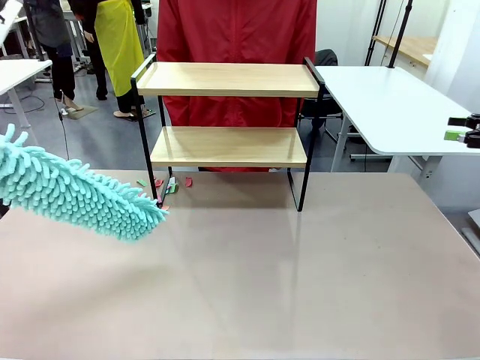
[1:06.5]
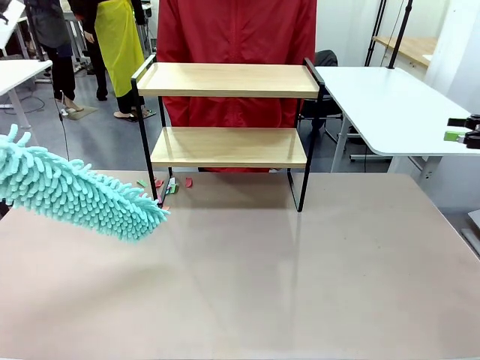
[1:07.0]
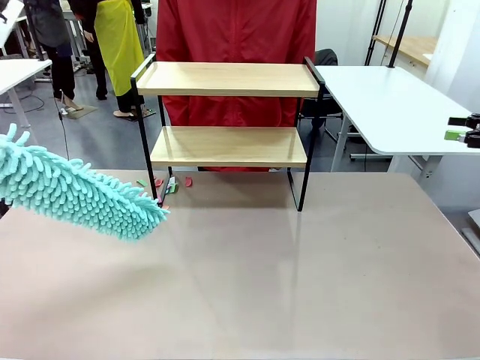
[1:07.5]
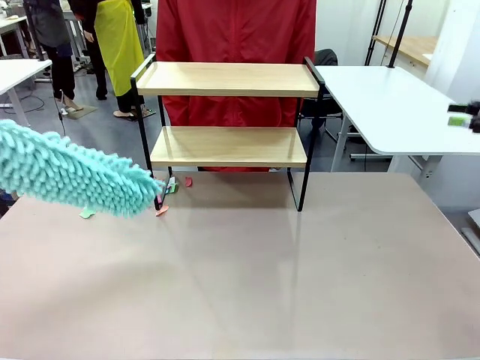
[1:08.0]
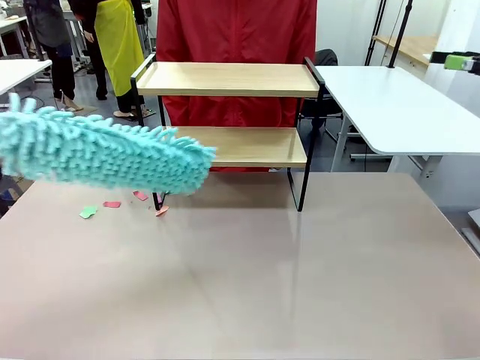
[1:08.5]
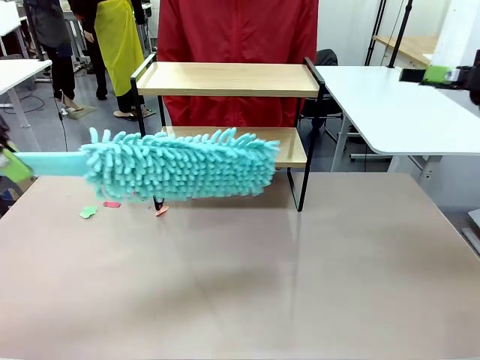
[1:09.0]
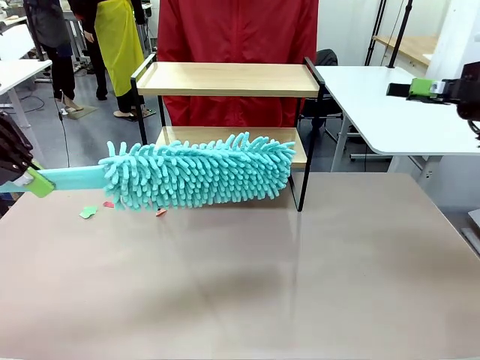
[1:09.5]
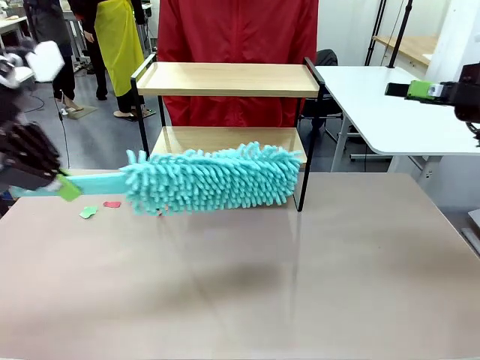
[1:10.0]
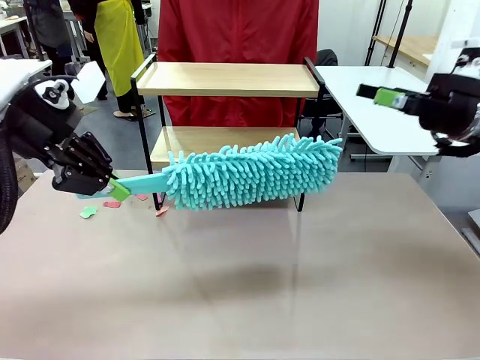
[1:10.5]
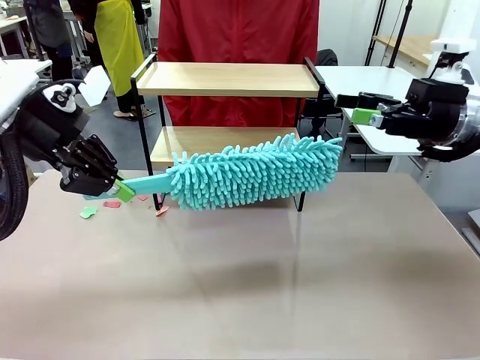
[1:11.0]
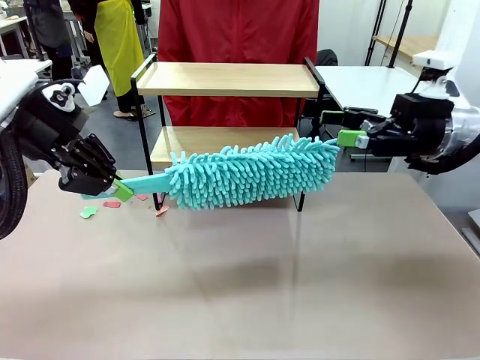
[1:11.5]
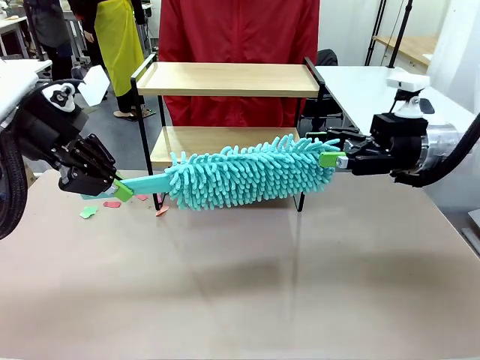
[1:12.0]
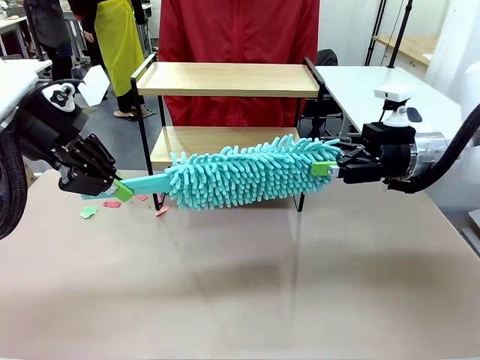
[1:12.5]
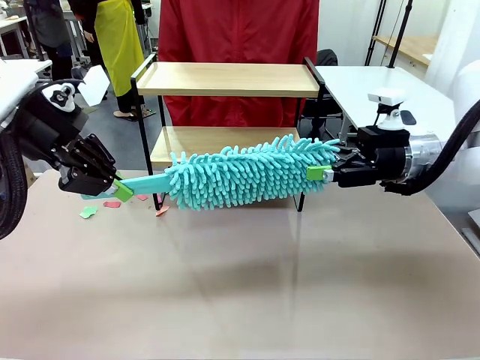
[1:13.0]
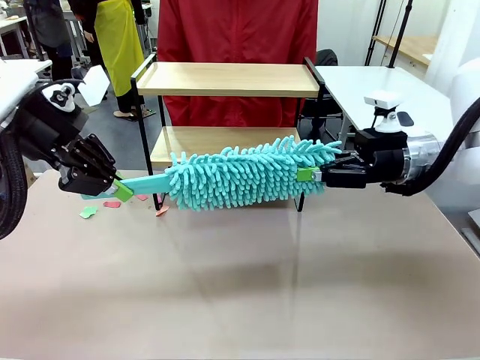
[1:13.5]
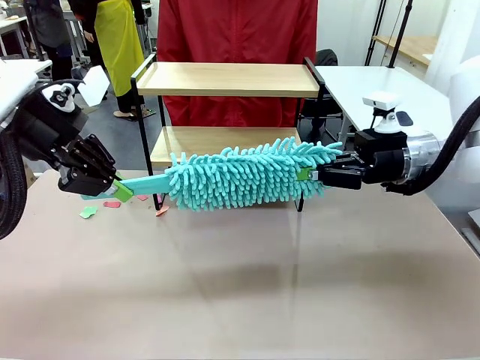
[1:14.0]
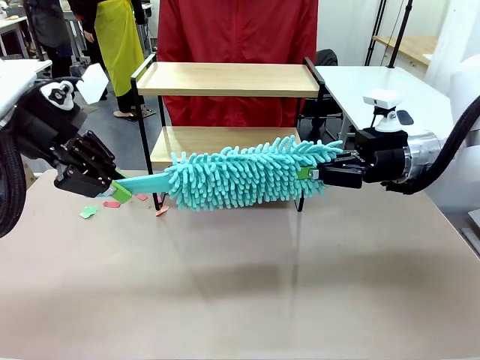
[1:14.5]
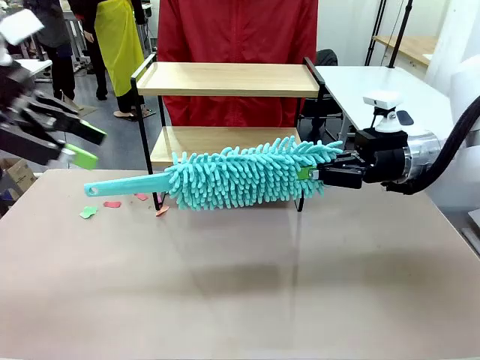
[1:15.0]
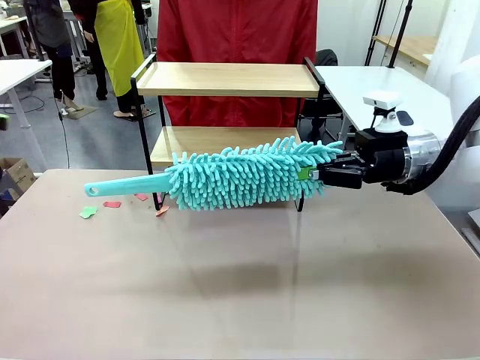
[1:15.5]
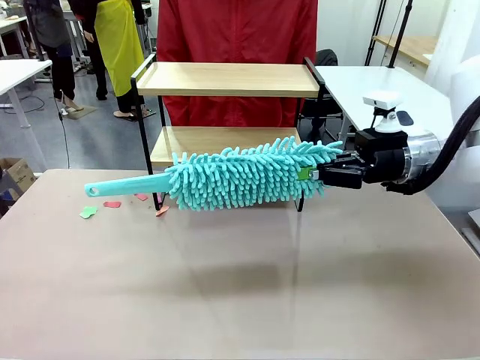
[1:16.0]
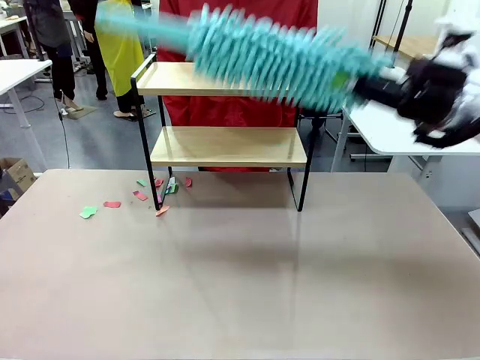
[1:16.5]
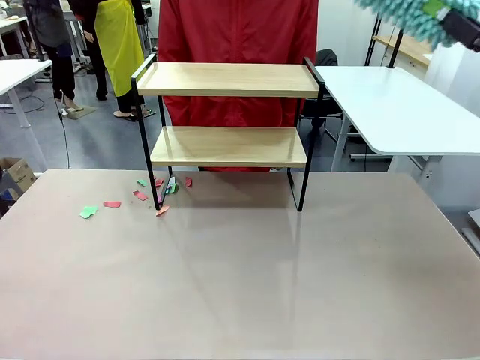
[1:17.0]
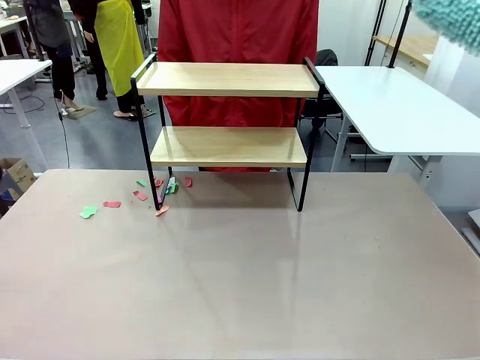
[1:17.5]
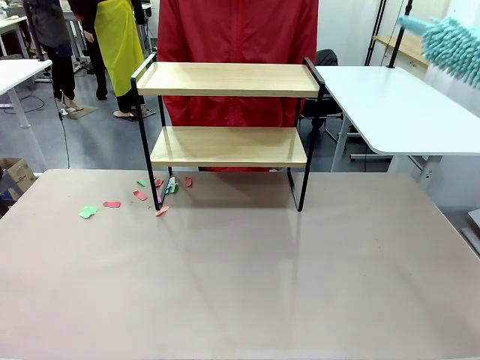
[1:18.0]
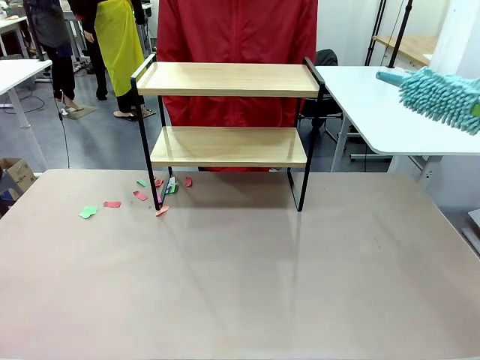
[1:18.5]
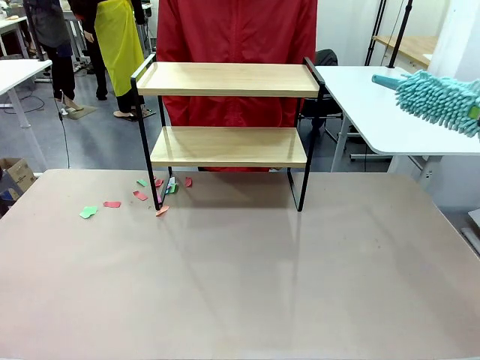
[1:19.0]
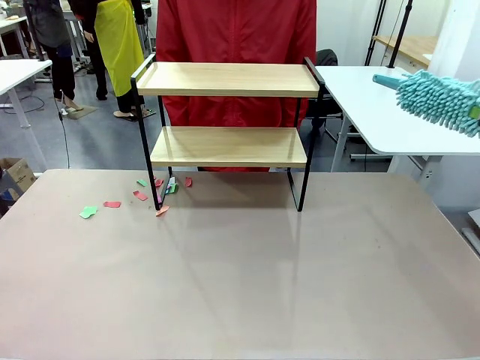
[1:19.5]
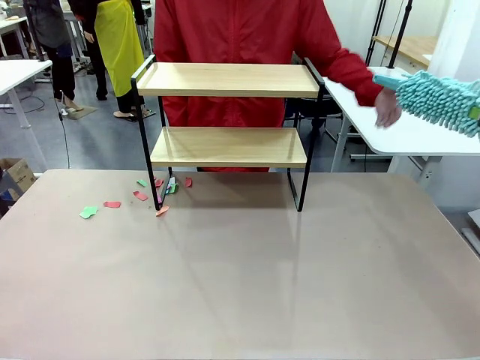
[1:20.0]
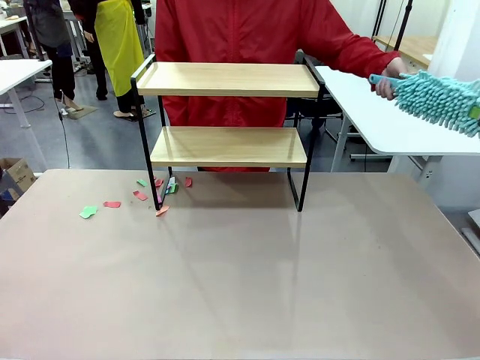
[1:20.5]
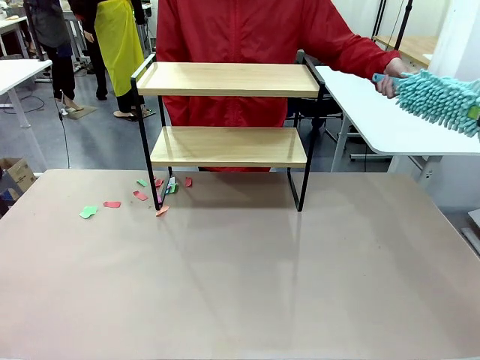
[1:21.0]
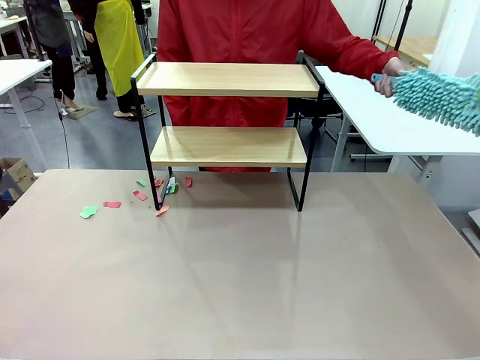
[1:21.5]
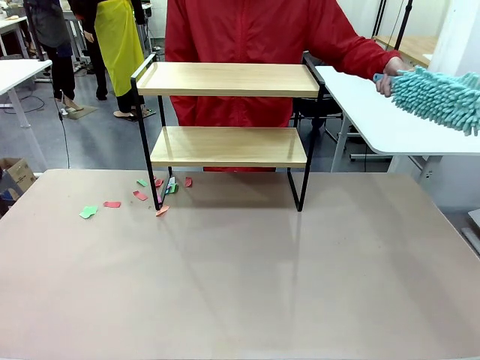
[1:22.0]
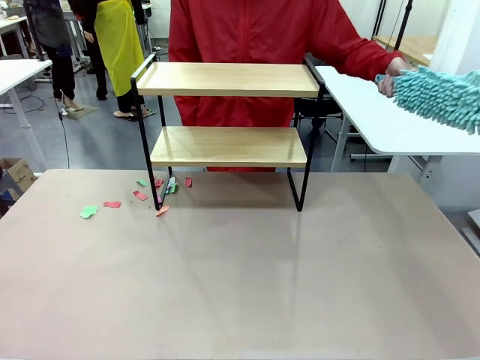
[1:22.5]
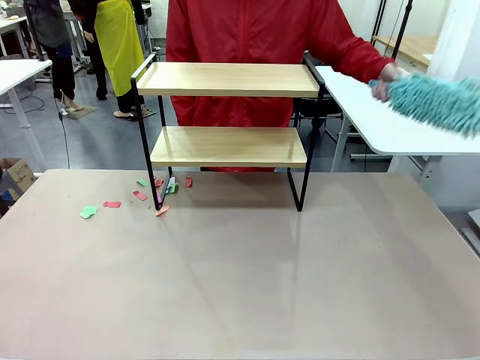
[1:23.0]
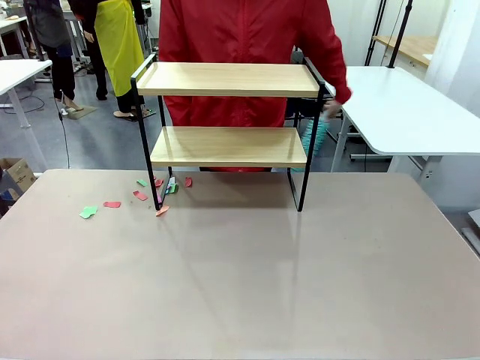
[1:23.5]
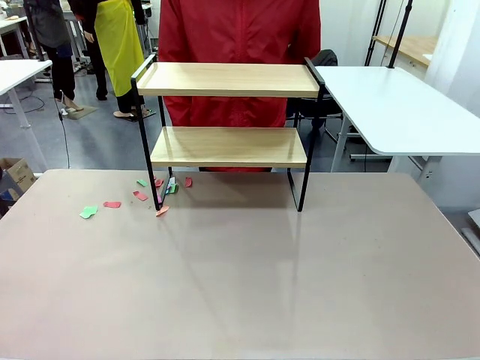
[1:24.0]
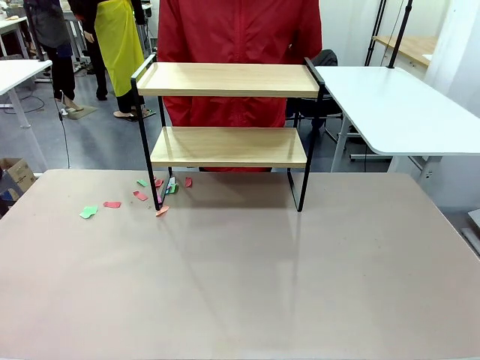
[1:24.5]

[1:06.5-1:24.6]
Task: Clean the shelf.
Robot: Hand the Duster back to the human.
Person: Receive the Duster from the robot.
